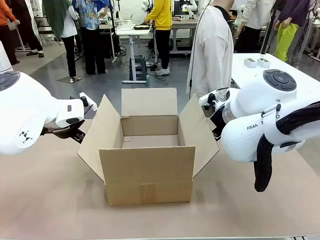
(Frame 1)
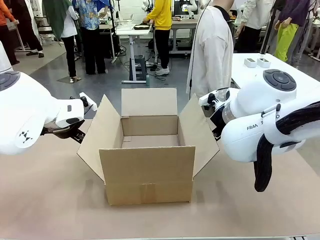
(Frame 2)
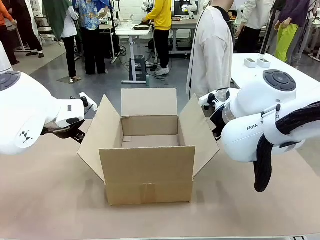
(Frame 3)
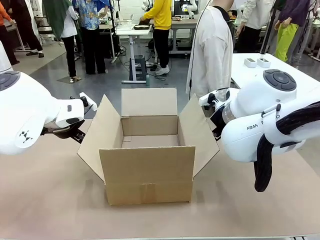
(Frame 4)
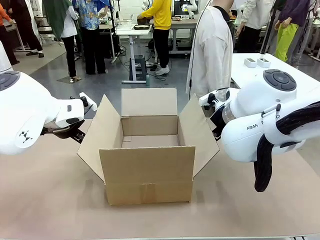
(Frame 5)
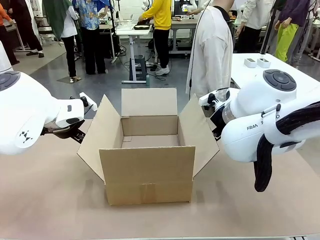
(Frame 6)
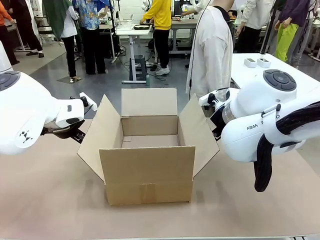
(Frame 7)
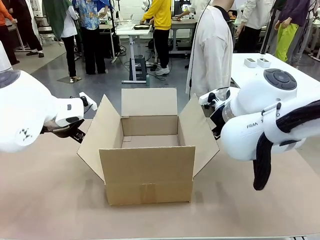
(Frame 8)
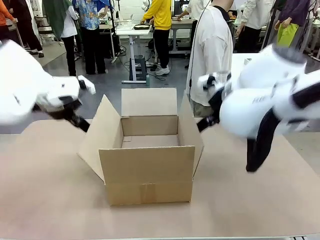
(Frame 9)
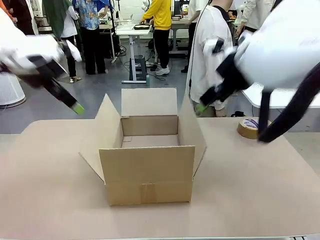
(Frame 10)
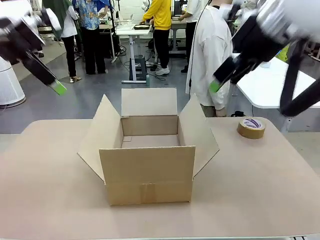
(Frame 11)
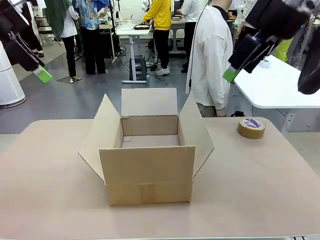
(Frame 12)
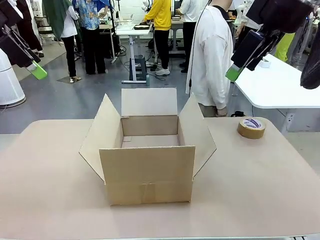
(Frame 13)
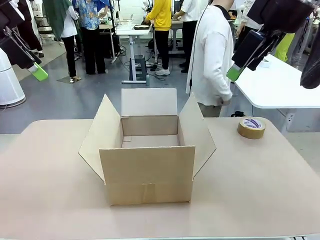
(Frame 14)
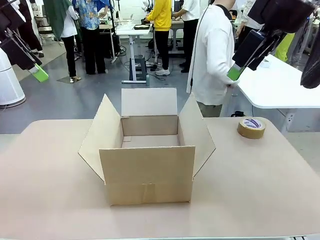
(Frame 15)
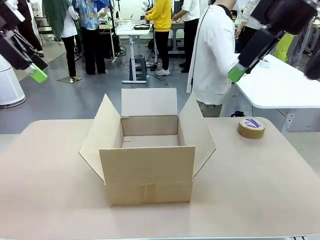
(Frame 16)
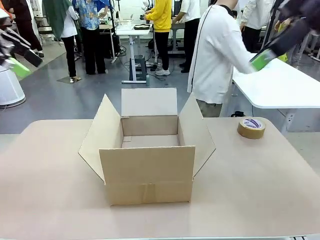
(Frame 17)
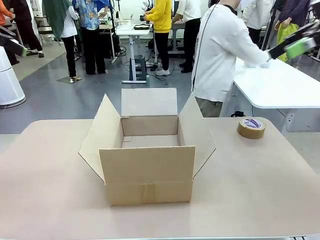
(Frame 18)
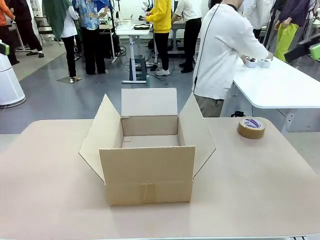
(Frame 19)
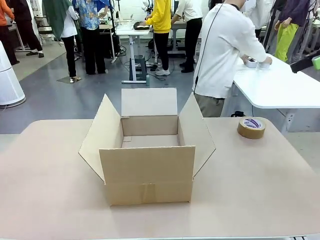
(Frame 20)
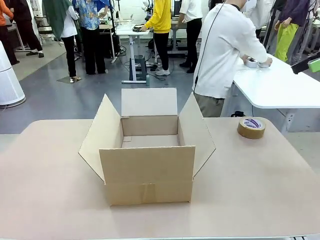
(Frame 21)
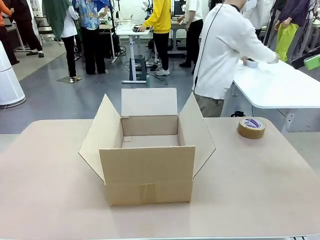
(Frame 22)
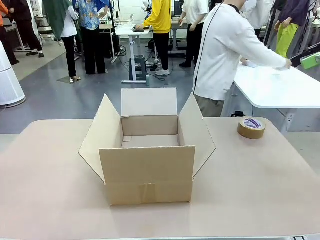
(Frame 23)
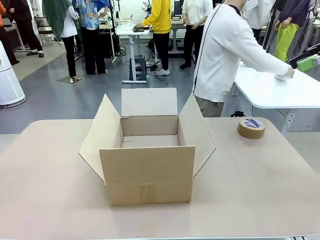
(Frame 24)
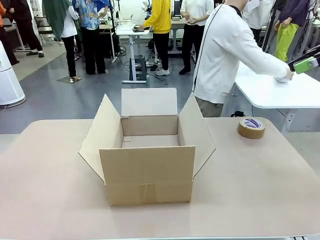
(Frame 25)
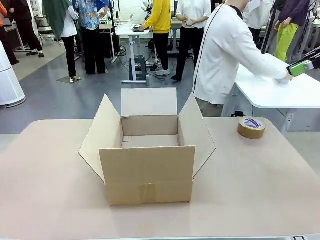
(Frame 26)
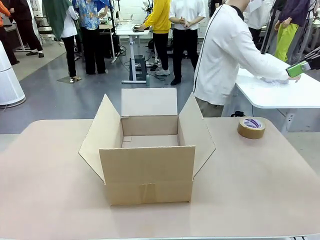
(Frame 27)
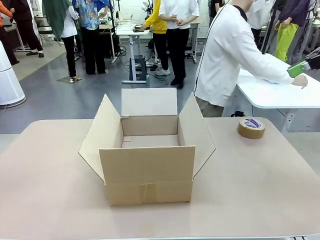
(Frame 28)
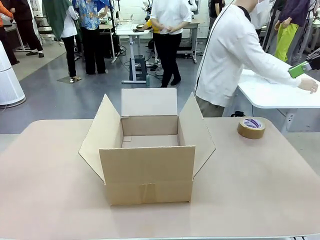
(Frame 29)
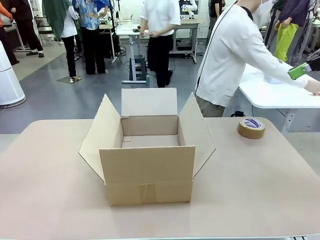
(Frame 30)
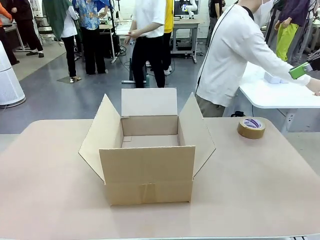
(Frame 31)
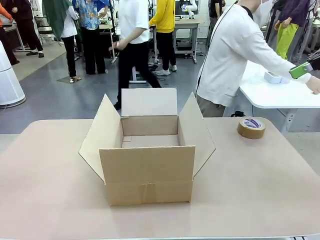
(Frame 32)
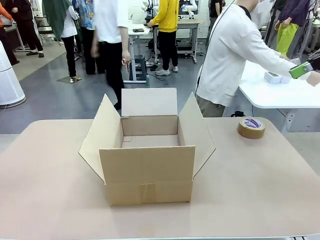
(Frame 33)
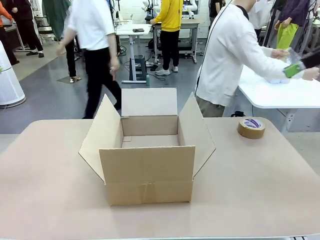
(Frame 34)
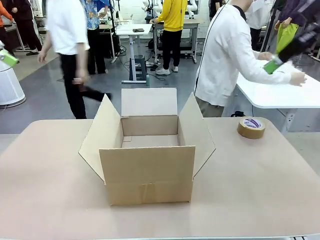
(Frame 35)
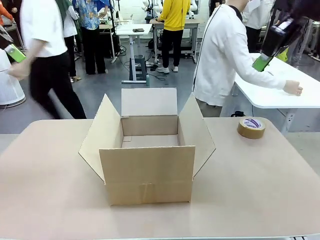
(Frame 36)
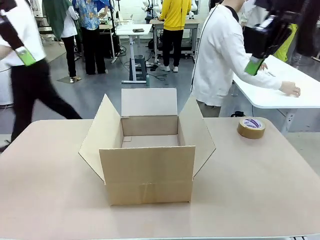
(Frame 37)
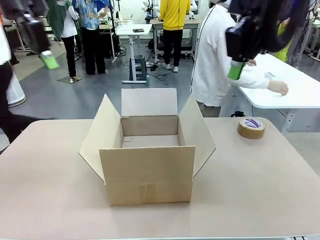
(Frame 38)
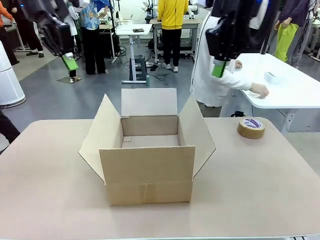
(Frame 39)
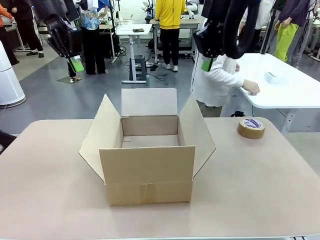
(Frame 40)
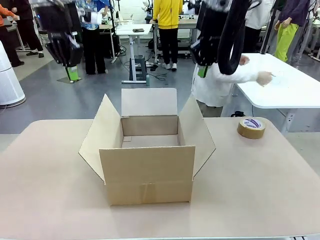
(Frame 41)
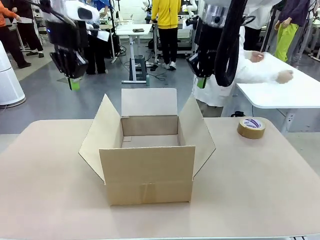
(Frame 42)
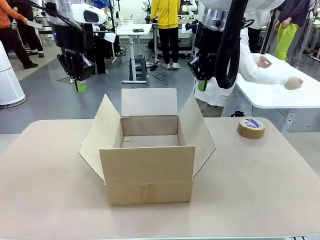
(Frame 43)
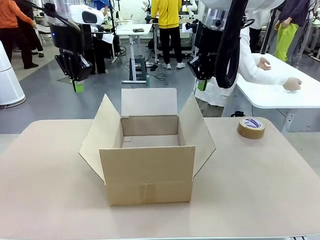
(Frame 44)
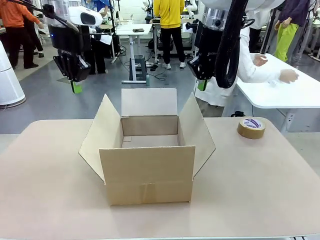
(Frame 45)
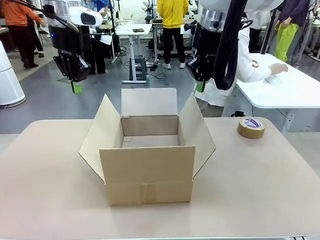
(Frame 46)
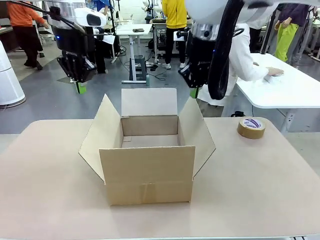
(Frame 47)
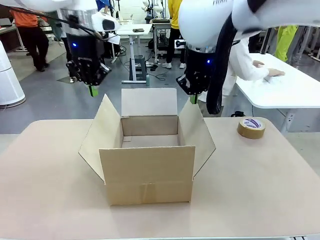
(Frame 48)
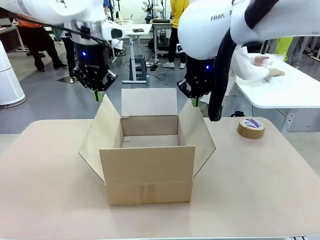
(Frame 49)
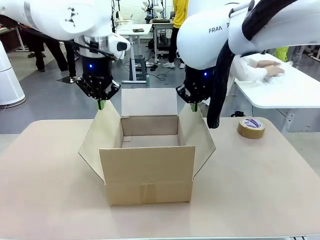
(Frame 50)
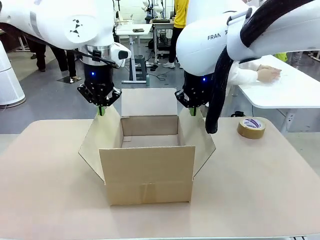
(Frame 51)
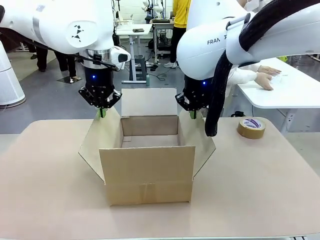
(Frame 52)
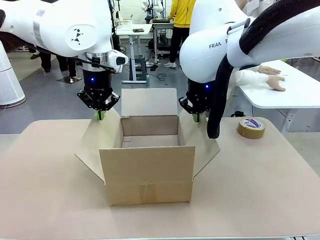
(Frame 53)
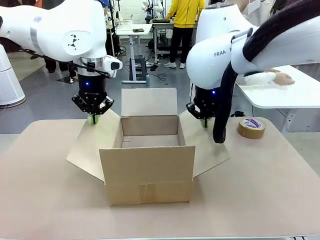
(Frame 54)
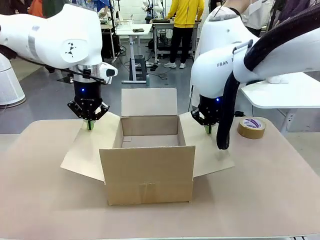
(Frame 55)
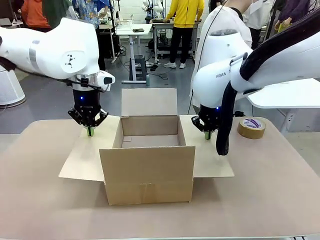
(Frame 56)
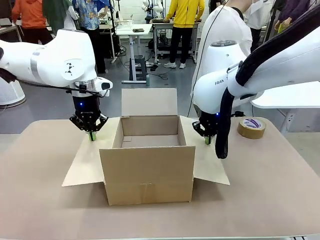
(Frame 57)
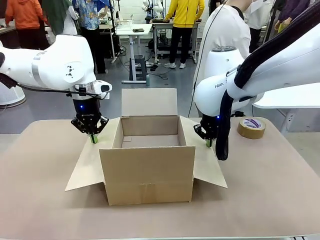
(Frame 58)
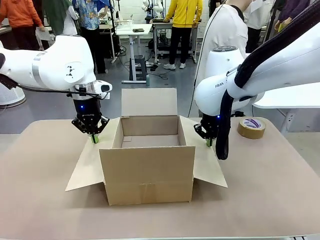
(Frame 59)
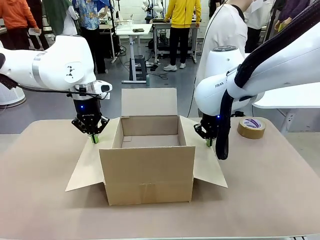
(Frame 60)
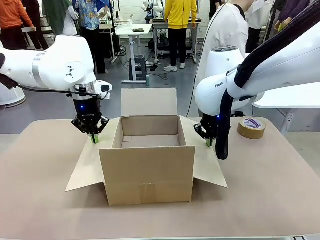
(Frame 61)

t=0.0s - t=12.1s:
Task: Wrap the clocks to prevent damage.
Robot: Open the side flaps of the Package Box.
Person: Wrap the two Digital clocks with Bubble Wrap.

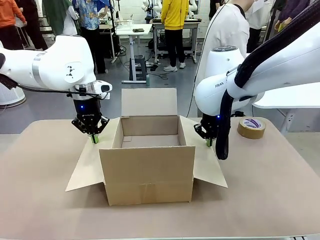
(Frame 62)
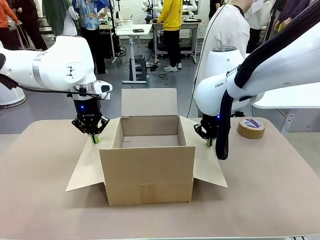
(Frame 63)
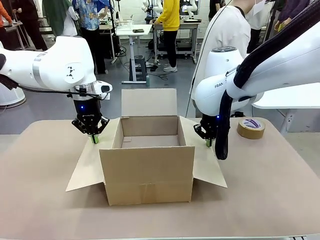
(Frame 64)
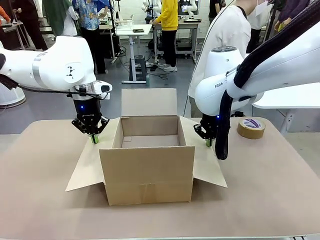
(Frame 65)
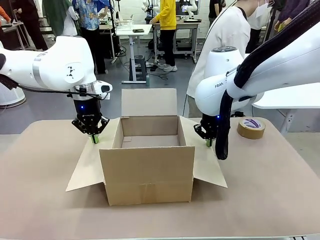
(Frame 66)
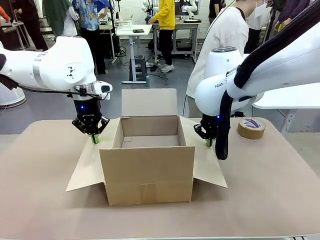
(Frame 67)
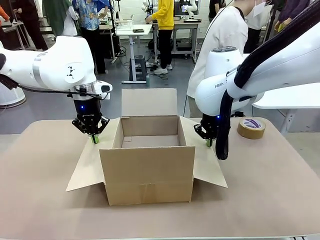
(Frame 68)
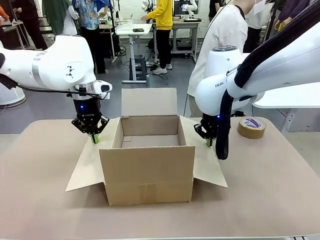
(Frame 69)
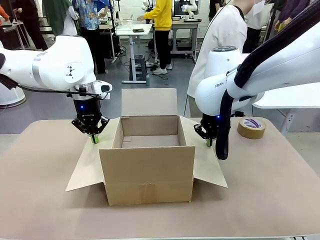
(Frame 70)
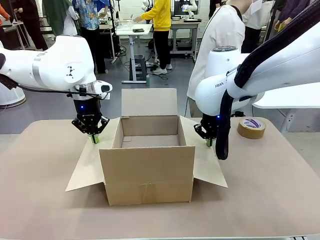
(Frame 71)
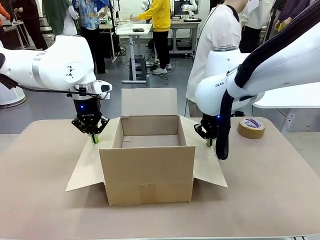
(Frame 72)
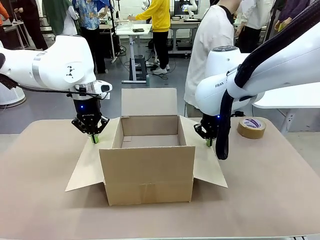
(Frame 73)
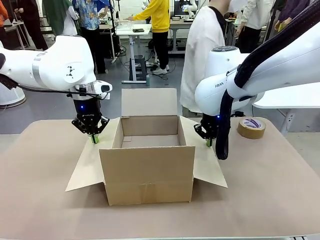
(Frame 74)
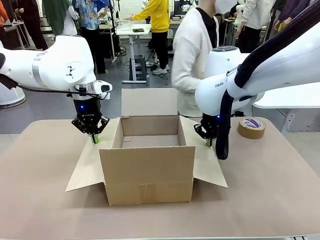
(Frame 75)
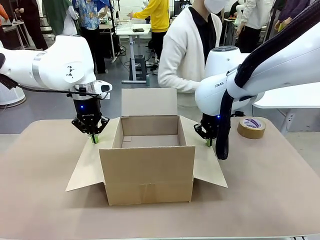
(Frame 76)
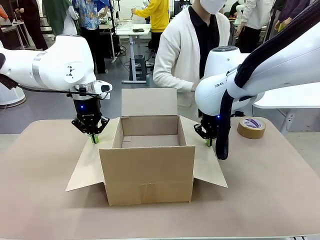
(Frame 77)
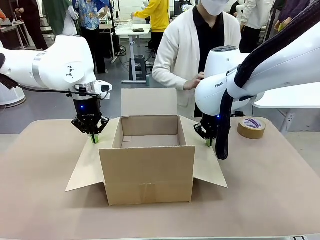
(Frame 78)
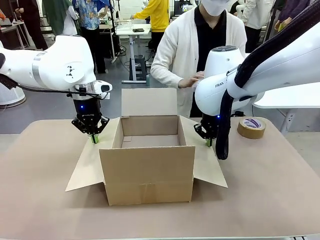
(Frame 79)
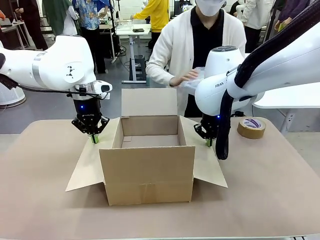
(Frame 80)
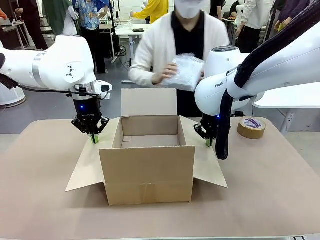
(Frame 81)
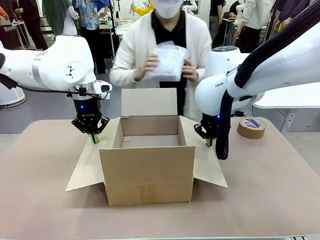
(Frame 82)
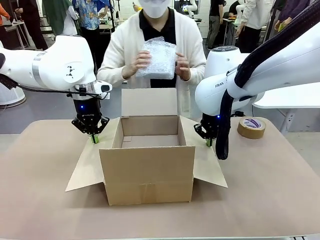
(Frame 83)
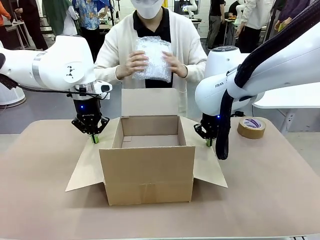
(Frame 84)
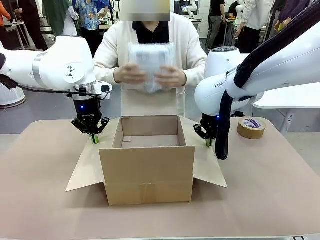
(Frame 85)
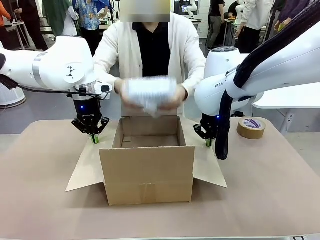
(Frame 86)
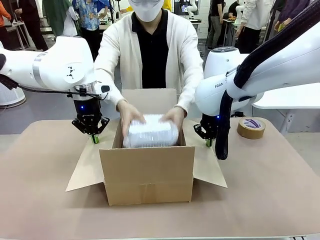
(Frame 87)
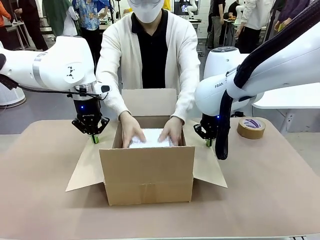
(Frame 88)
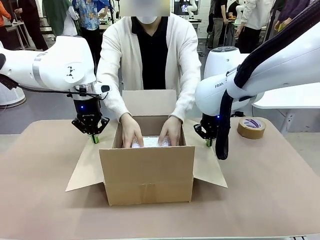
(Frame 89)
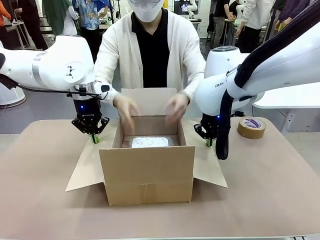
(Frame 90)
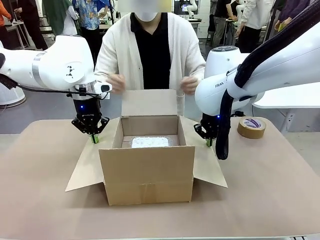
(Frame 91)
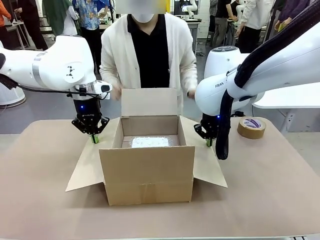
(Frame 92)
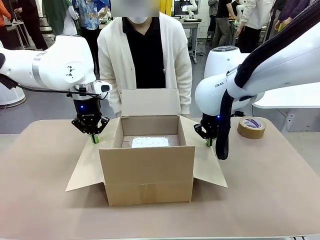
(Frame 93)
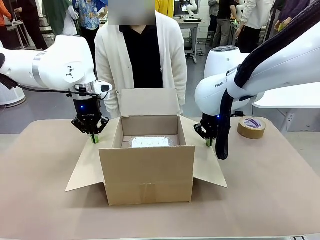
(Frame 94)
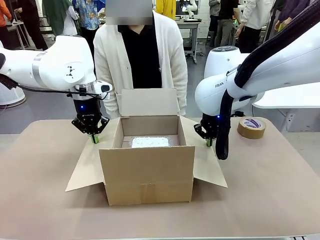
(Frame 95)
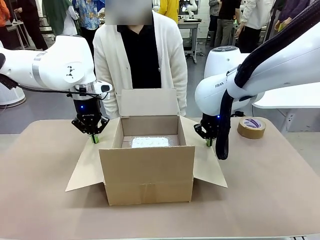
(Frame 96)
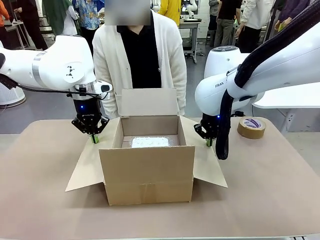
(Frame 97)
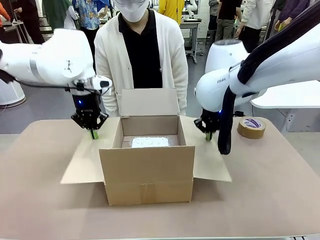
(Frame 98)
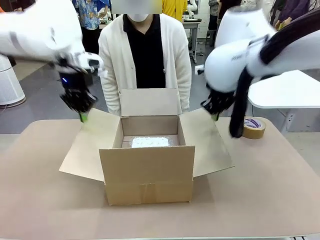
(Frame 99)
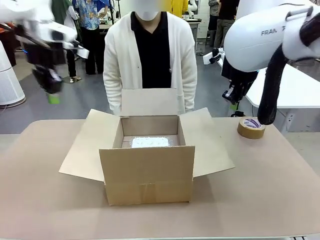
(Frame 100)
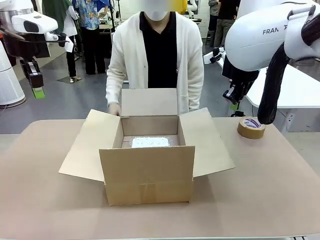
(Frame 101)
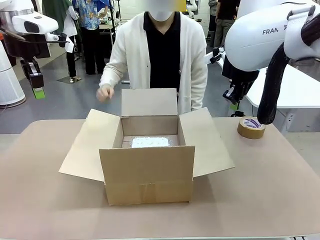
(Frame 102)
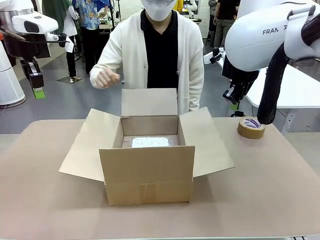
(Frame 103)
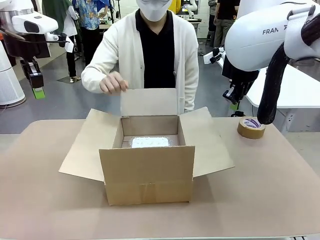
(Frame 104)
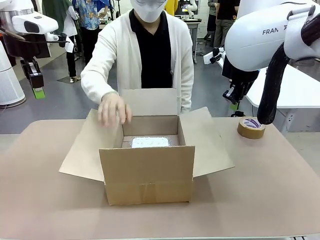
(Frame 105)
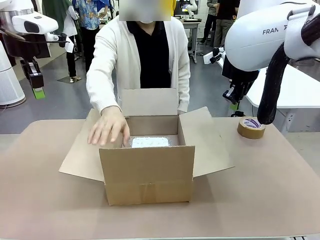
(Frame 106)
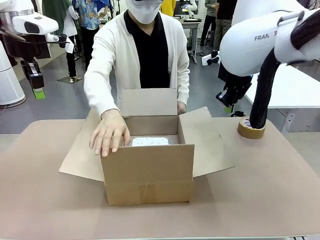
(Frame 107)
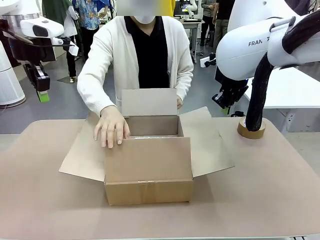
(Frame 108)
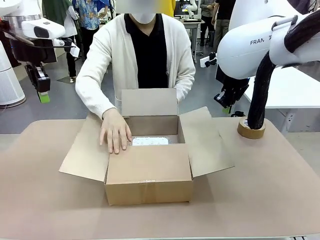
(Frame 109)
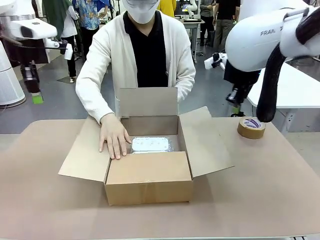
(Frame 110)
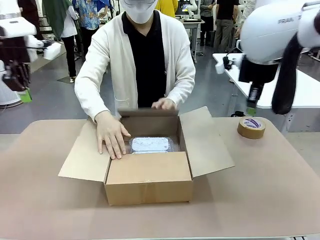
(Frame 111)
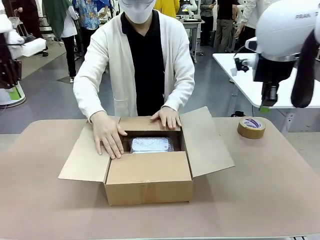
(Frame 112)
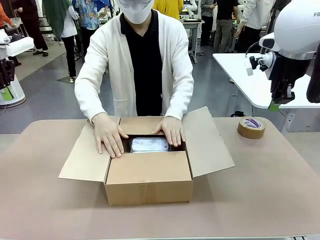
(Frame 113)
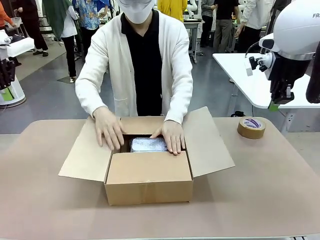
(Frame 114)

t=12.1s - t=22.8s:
Robot: Once the human has placed the objects inside and stepped back, release both hands from the side flaps of the Package Box.
Person: Place the wrapped Digital clocks inside the Package Box. Hold the top and bottom flaps of the Package Box closed with your left (or right) hand.
